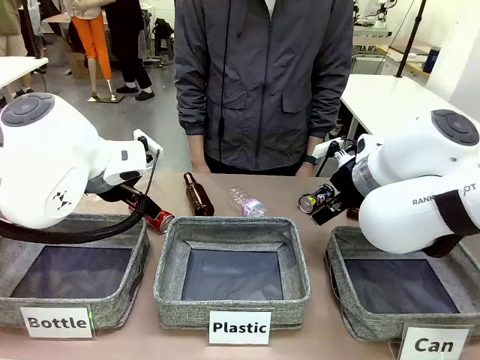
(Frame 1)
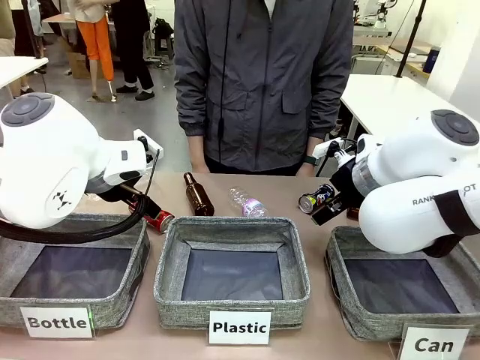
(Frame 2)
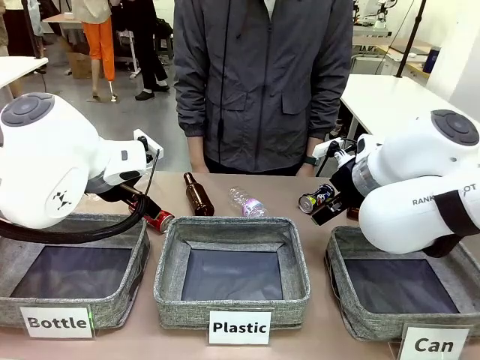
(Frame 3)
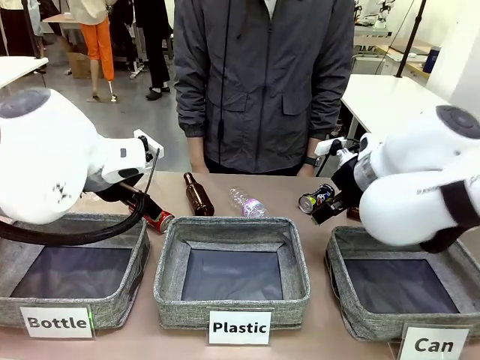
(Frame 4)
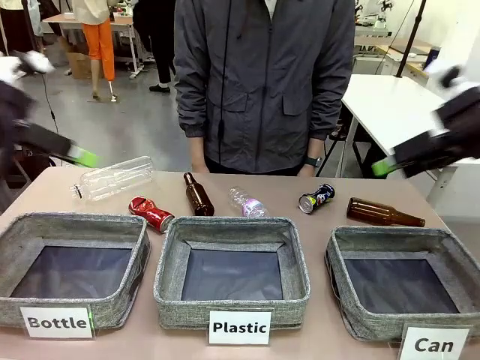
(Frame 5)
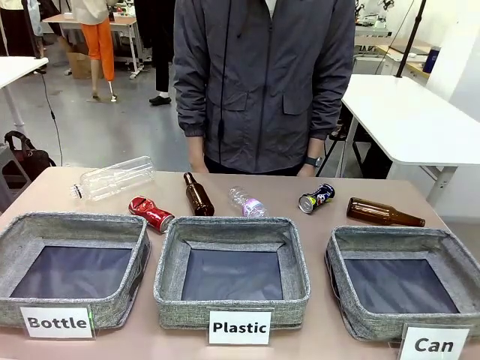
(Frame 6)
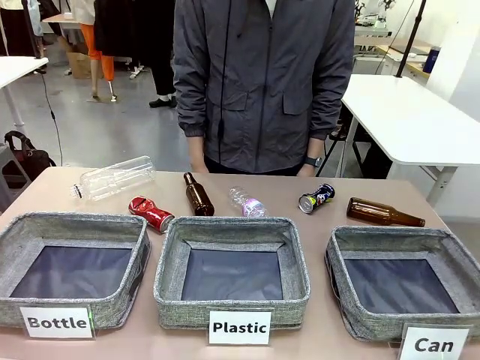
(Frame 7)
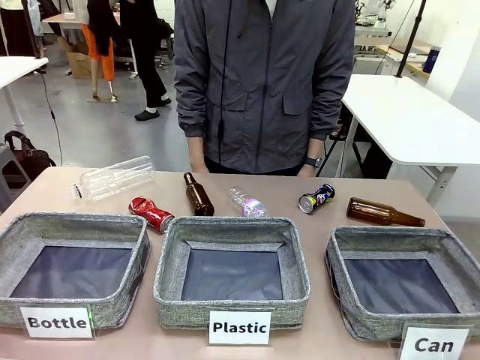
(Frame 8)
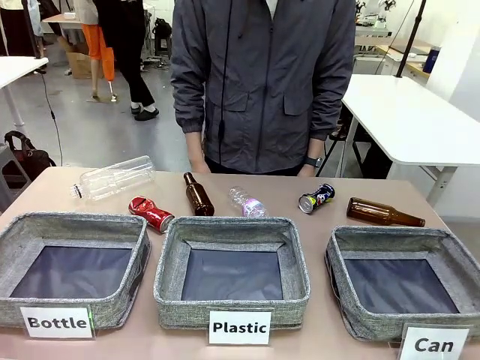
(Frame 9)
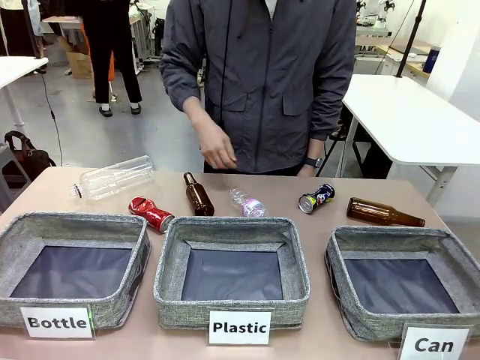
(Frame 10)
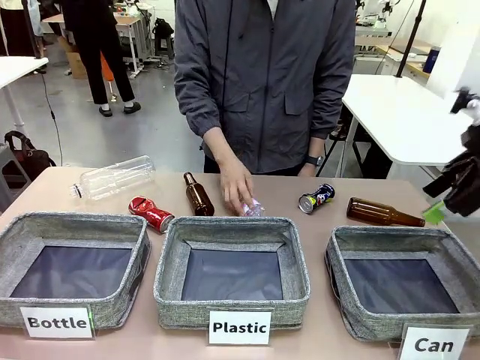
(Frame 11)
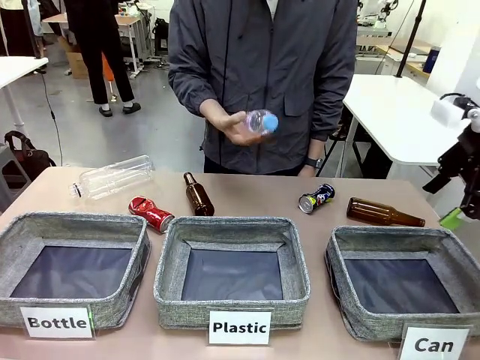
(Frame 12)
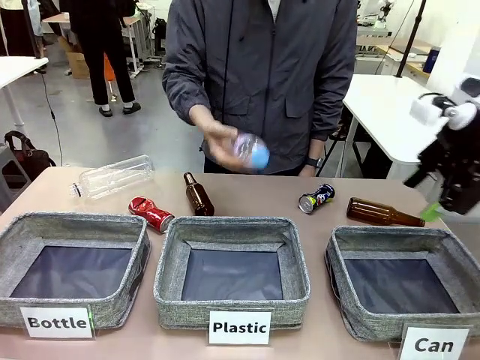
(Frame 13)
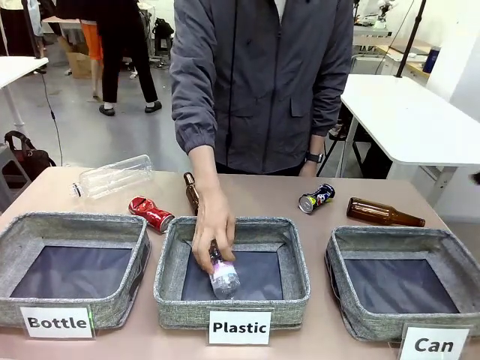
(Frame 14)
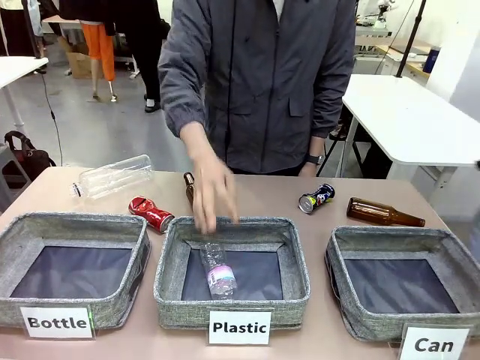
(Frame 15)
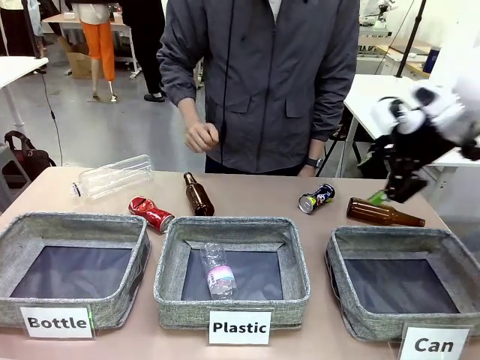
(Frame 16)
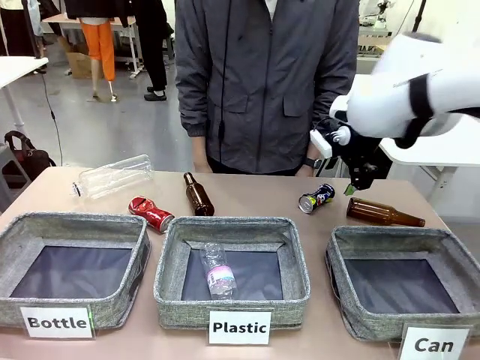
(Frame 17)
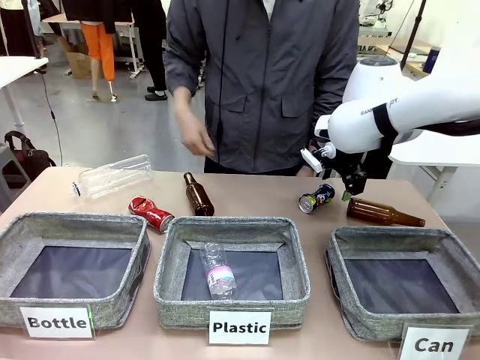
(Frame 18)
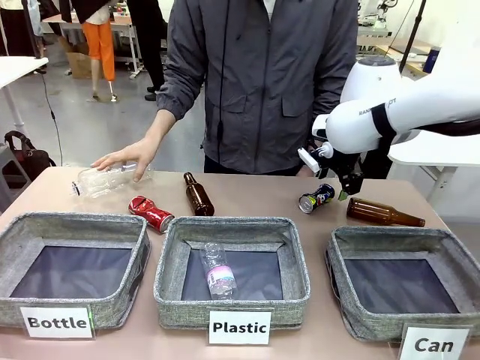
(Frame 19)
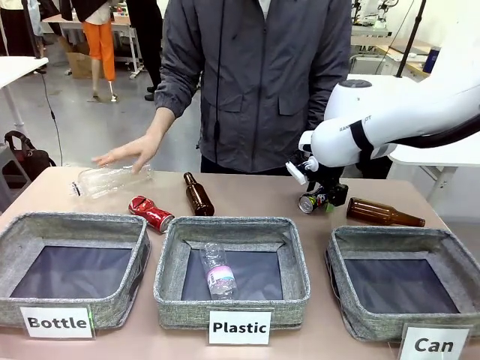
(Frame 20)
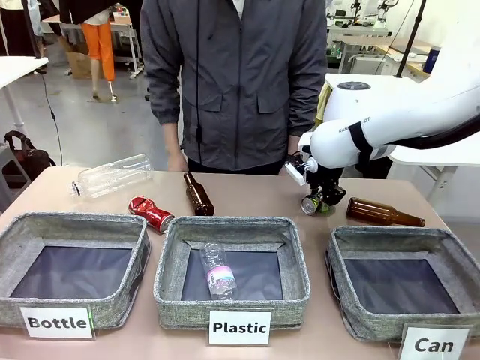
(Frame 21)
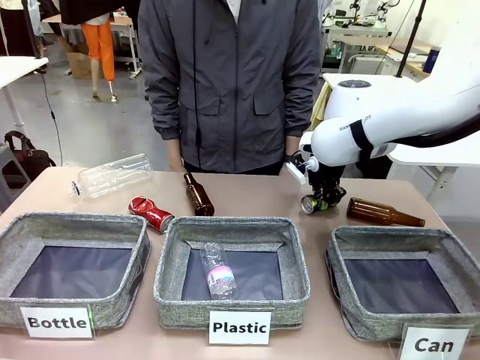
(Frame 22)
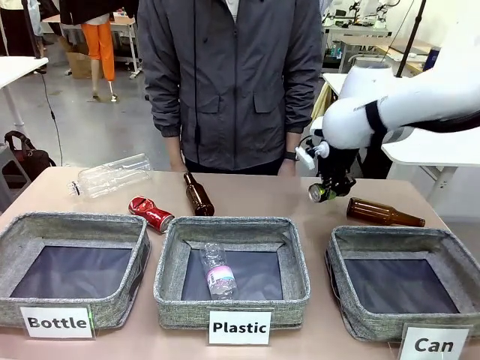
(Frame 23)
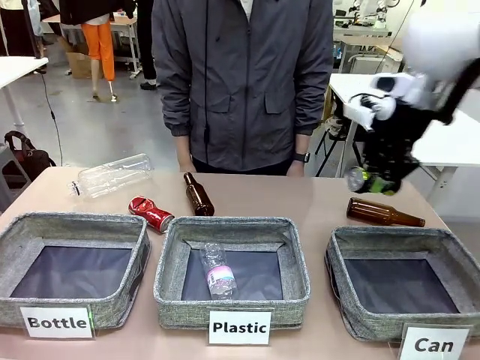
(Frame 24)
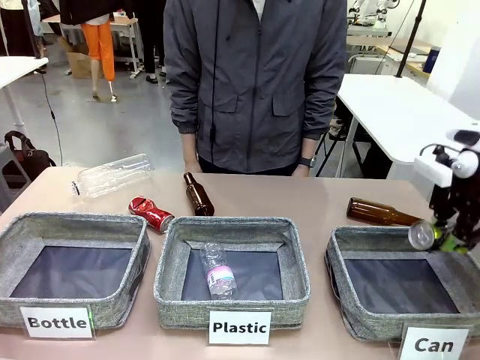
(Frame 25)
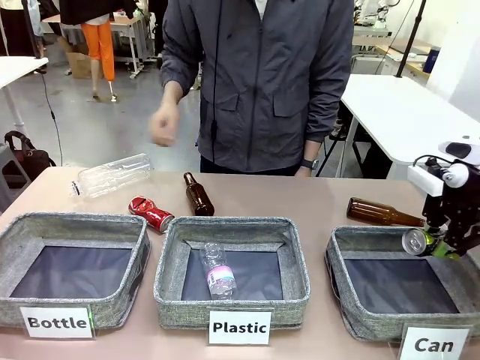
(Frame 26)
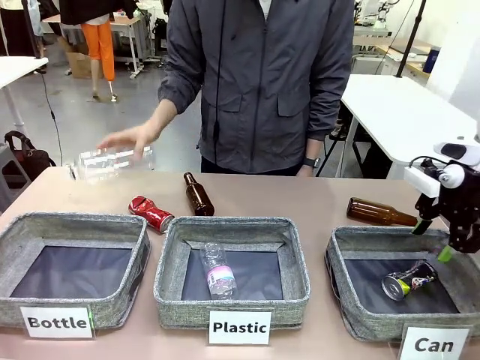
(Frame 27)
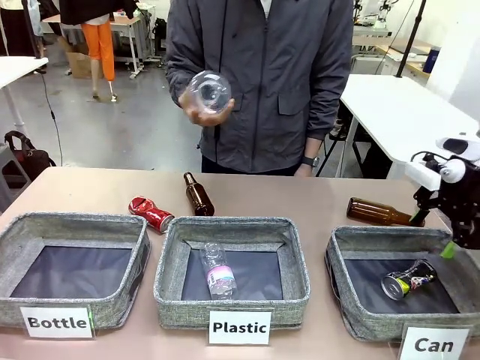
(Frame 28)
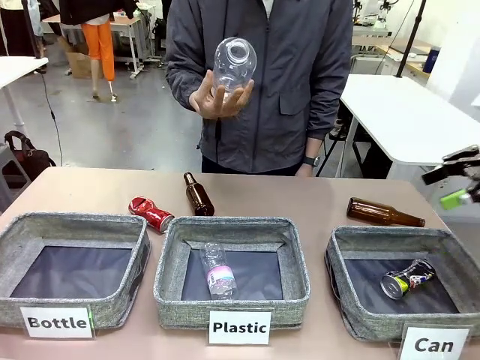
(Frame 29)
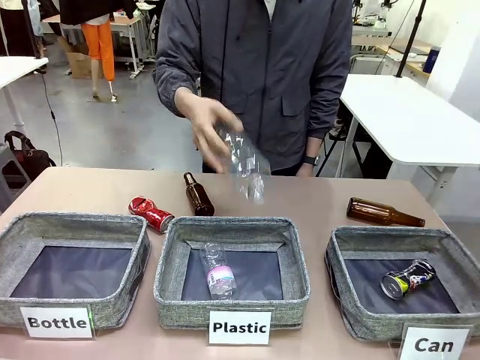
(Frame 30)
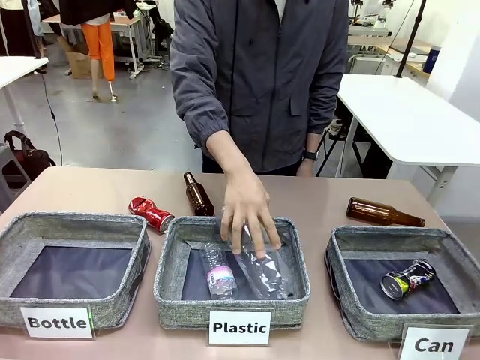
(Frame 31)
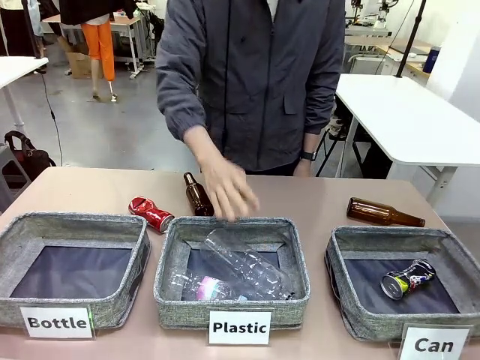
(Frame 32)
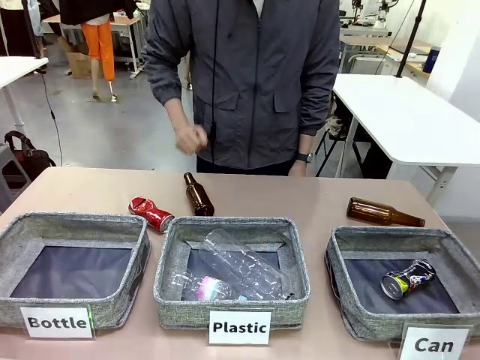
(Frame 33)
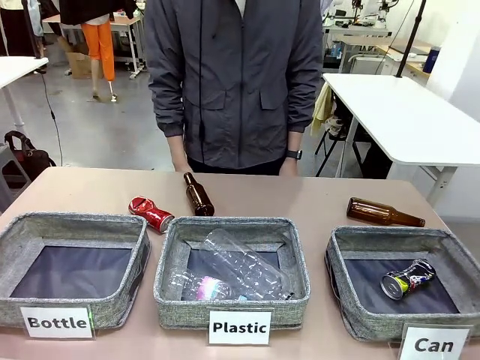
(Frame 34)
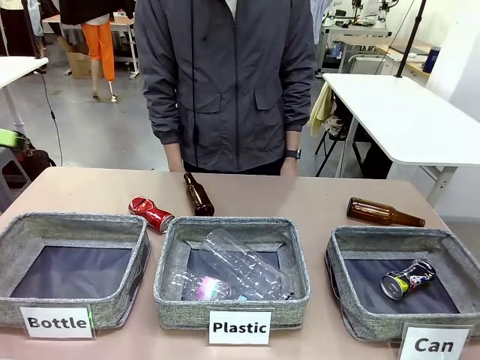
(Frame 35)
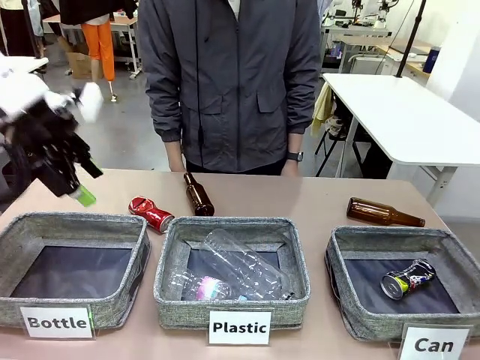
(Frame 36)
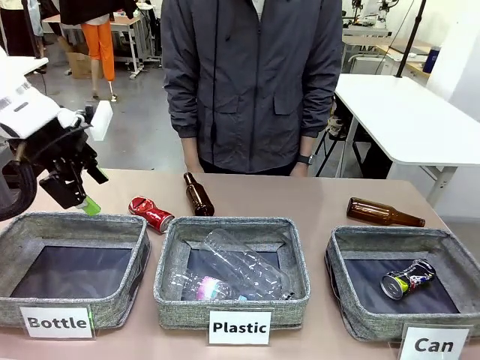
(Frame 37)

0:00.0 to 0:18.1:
Task: Sort the can waste into the basket.
Robot: Pick up the can waste from the table and place it in the right Fabric basket.

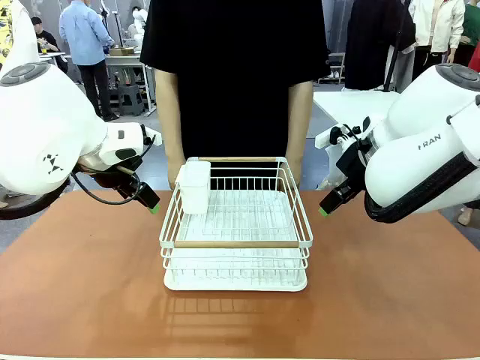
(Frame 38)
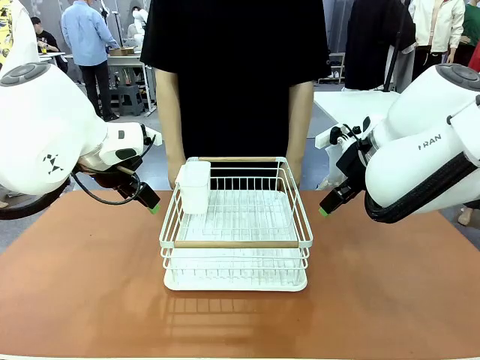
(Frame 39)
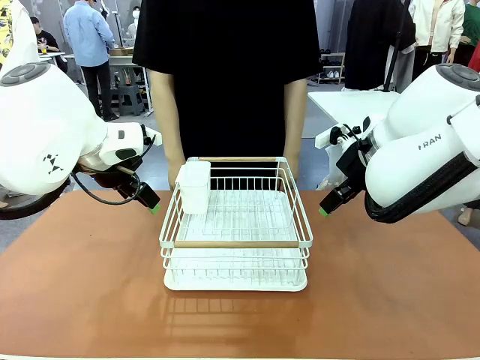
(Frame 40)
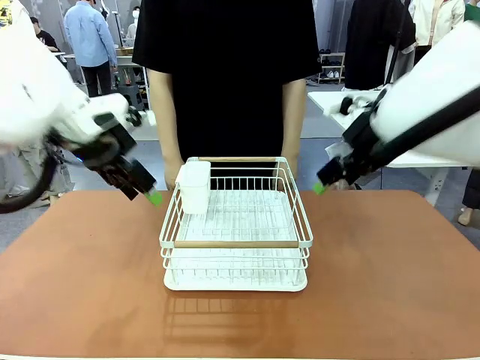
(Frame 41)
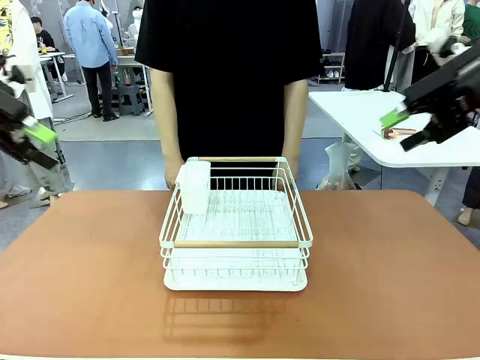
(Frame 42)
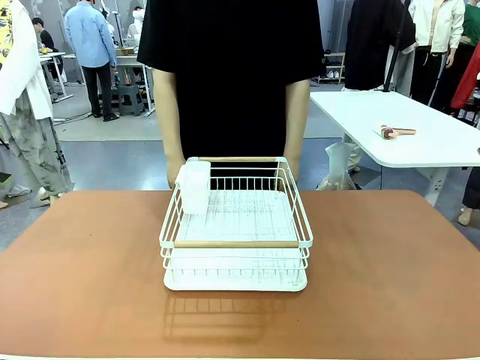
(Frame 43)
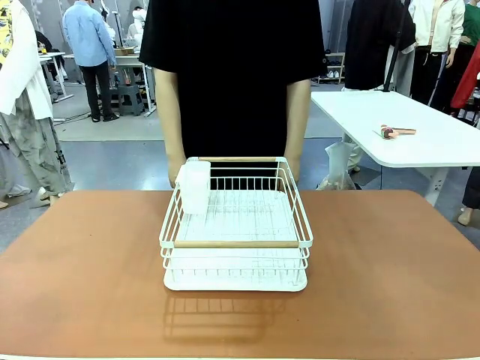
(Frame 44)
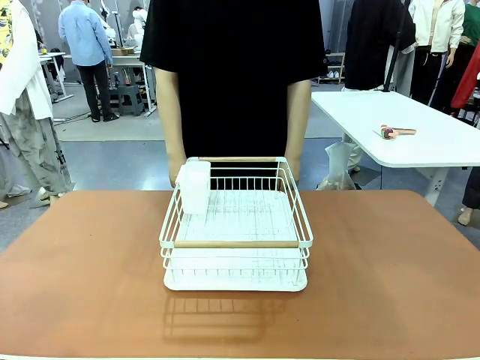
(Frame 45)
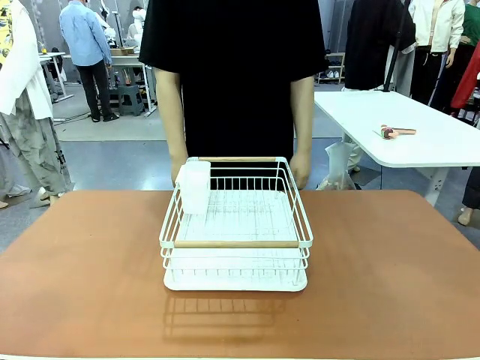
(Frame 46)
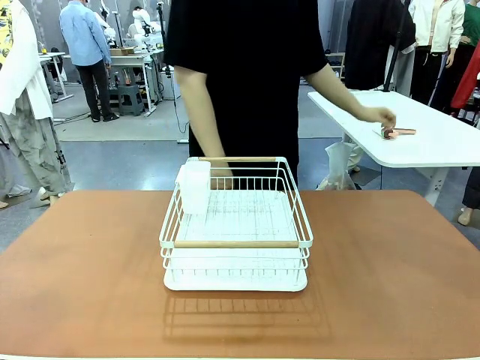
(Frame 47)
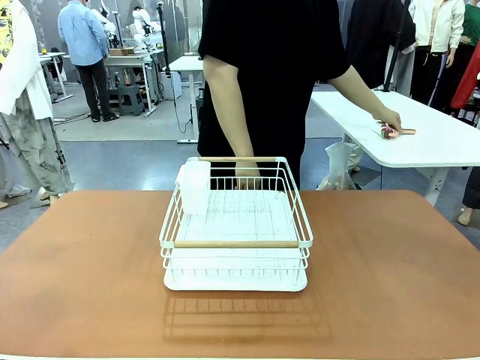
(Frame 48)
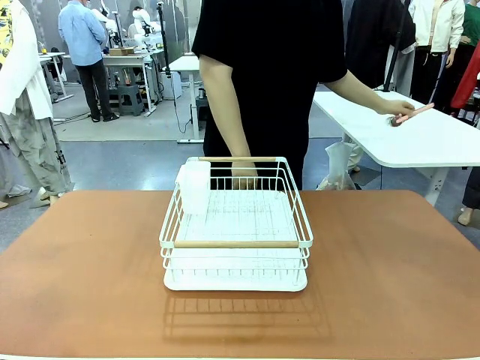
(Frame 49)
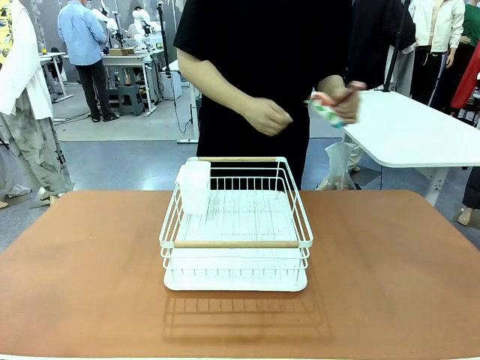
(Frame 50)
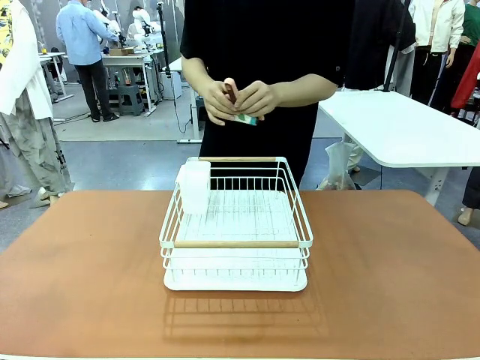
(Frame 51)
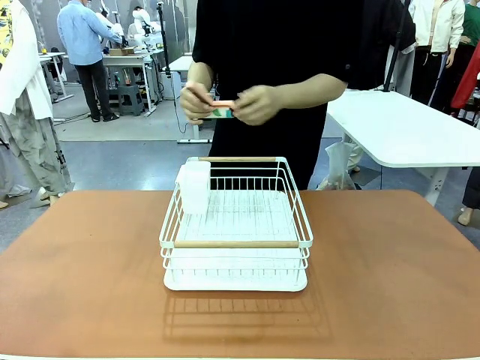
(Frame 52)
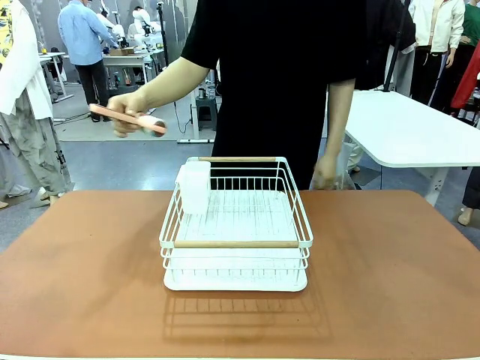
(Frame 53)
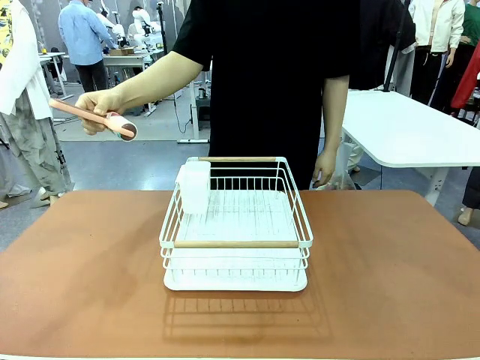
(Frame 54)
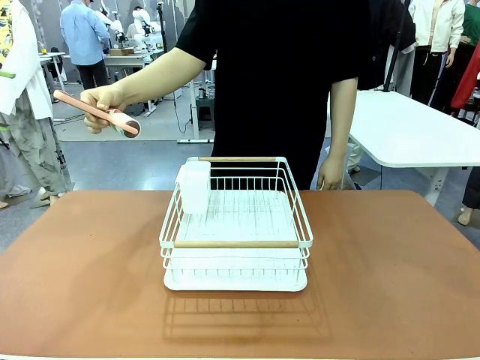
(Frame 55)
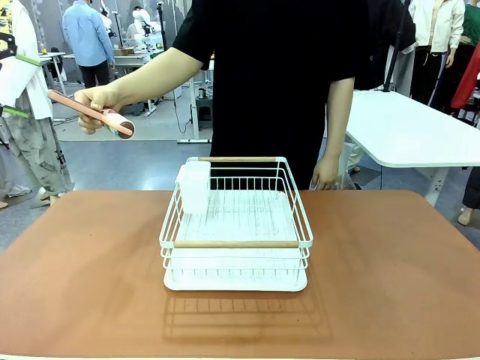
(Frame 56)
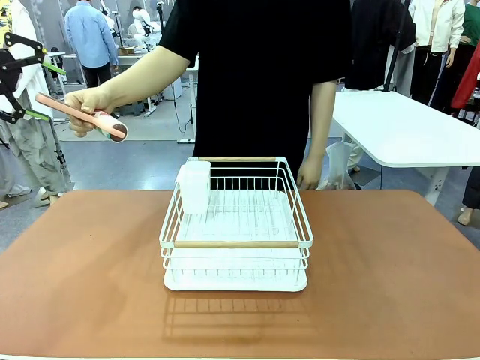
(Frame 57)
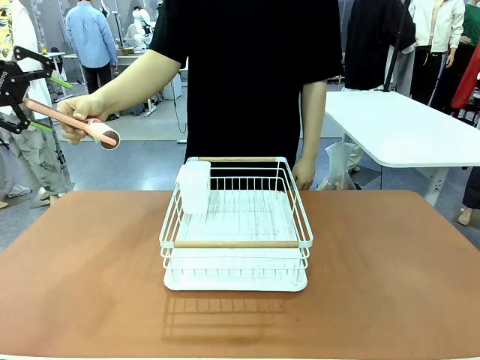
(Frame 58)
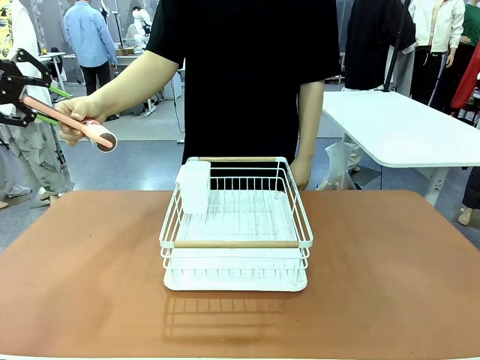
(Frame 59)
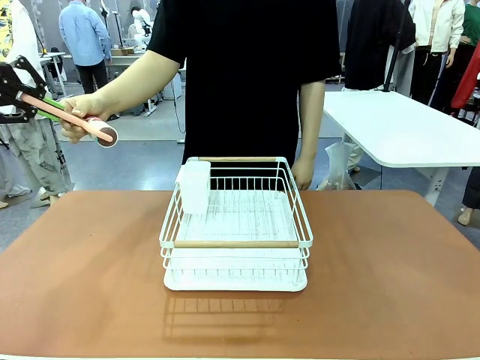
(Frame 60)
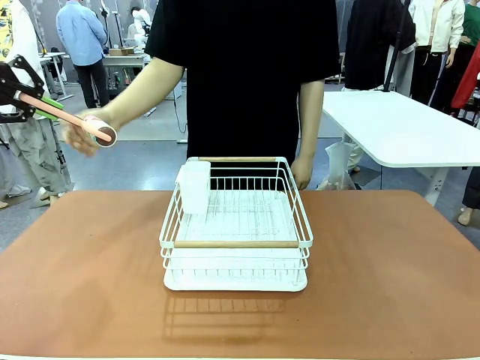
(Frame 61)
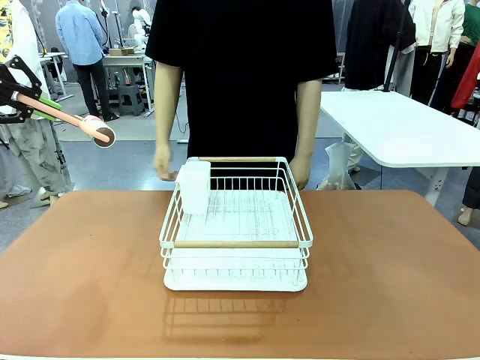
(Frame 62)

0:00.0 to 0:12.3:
Task: Clean the table.
Robot: Pick up the Lint Roller when the human hands it over.
Person: Hand the Lint Roller to the robot so it can easily pick it up. Lift the Dish drying rack.
